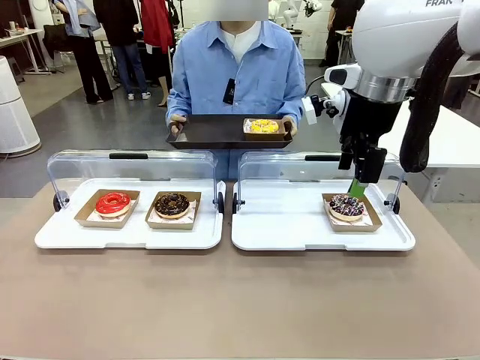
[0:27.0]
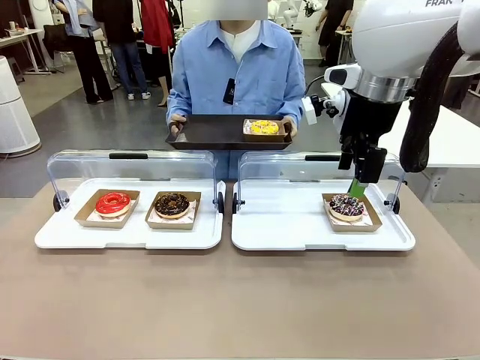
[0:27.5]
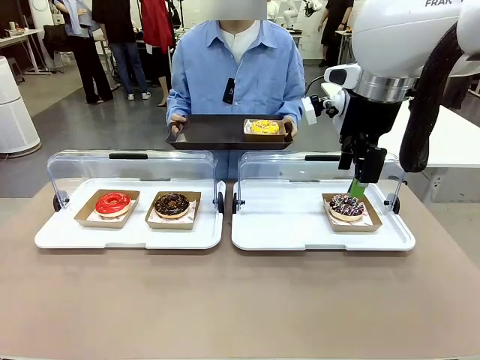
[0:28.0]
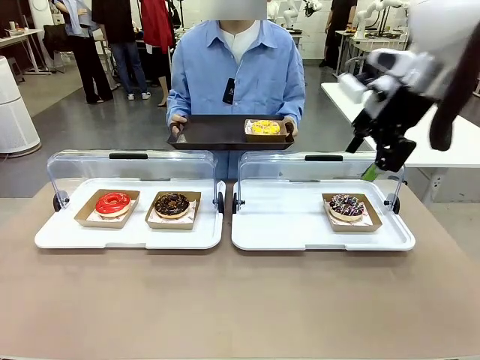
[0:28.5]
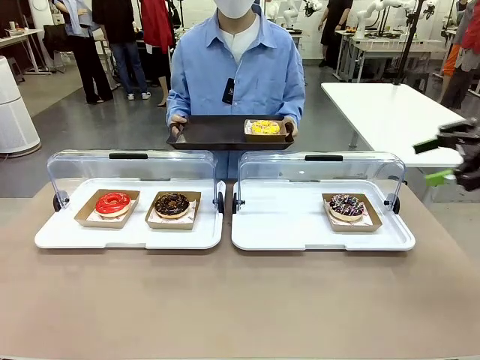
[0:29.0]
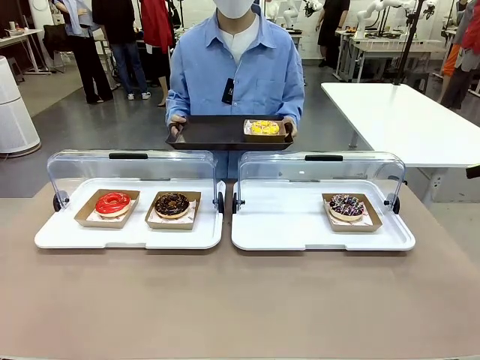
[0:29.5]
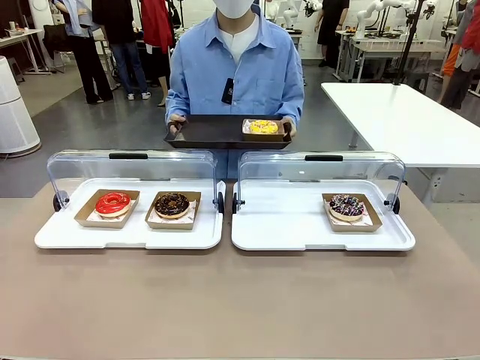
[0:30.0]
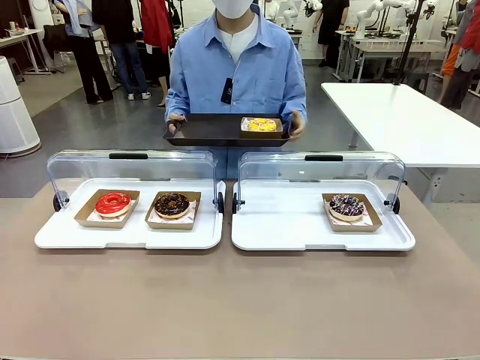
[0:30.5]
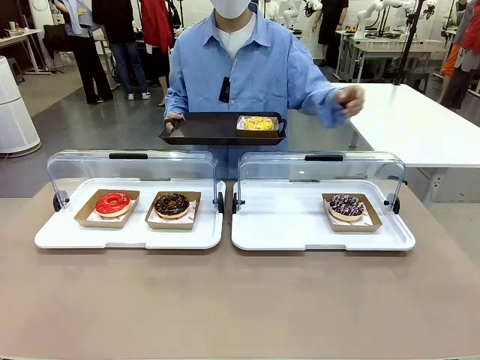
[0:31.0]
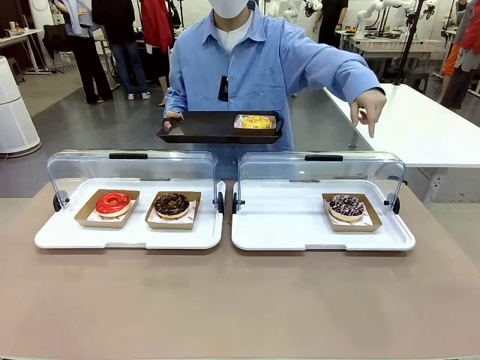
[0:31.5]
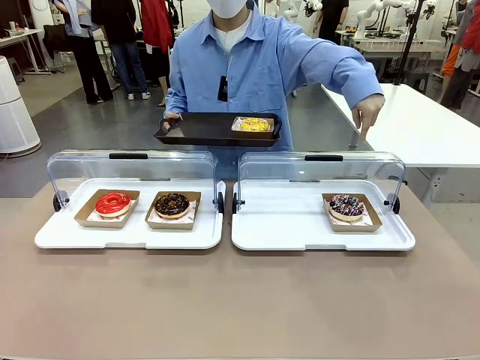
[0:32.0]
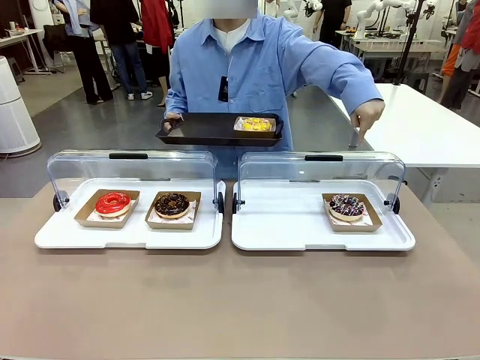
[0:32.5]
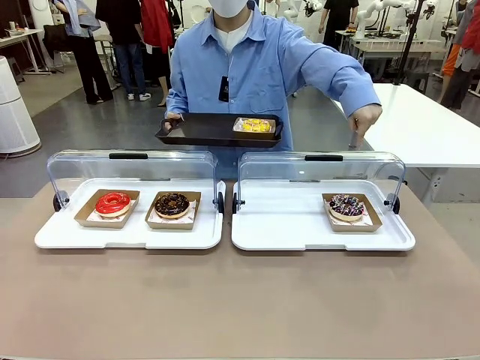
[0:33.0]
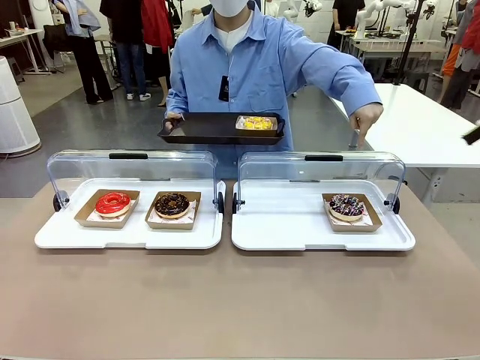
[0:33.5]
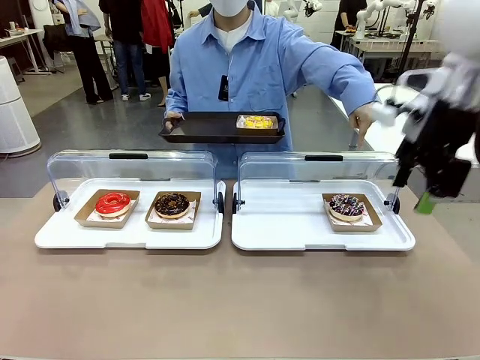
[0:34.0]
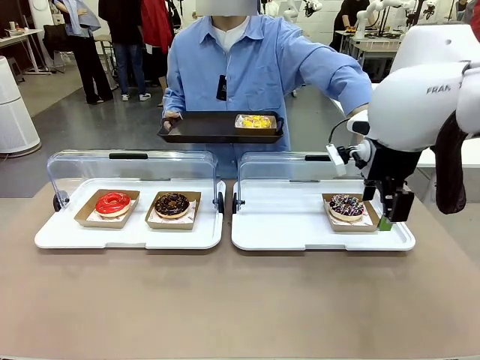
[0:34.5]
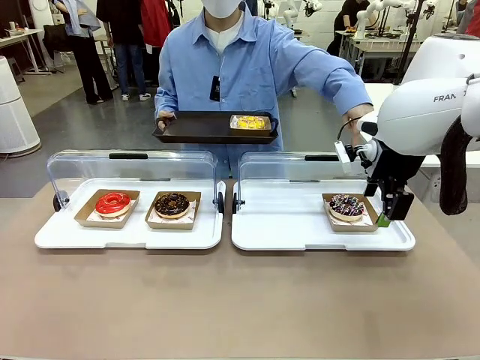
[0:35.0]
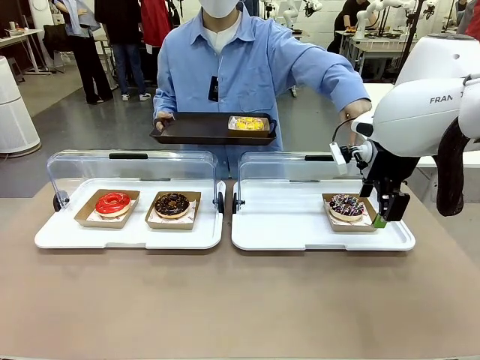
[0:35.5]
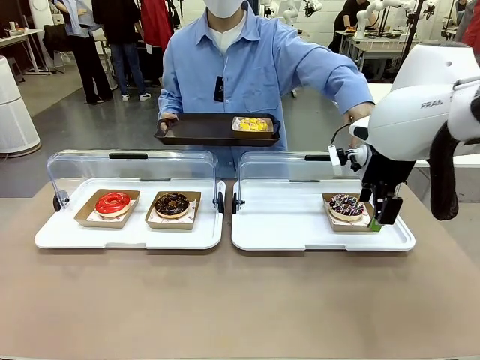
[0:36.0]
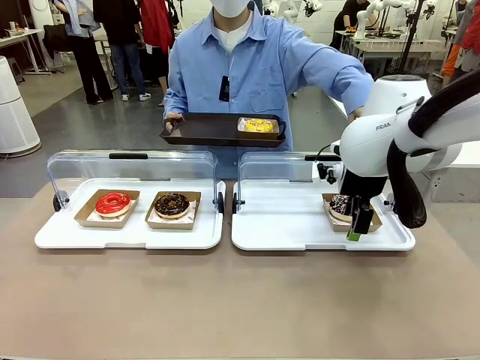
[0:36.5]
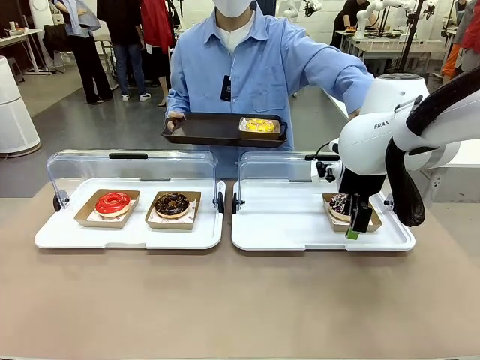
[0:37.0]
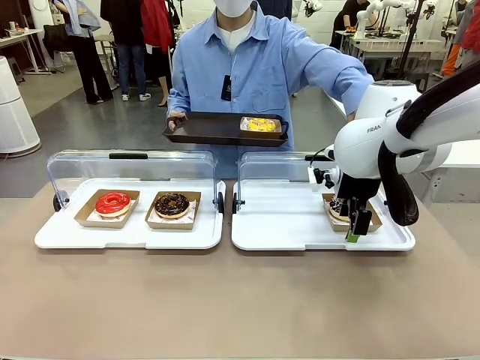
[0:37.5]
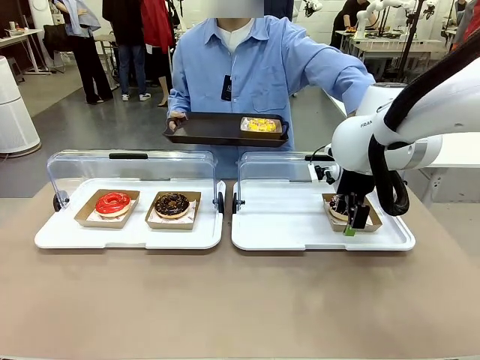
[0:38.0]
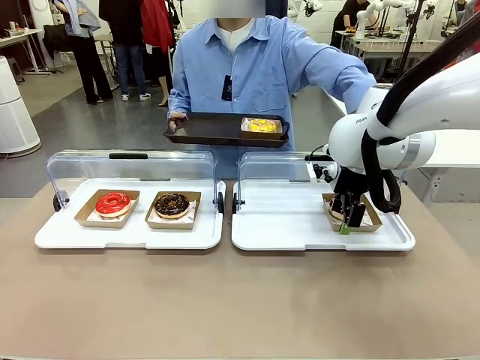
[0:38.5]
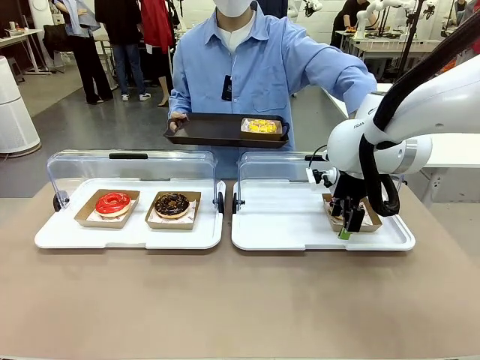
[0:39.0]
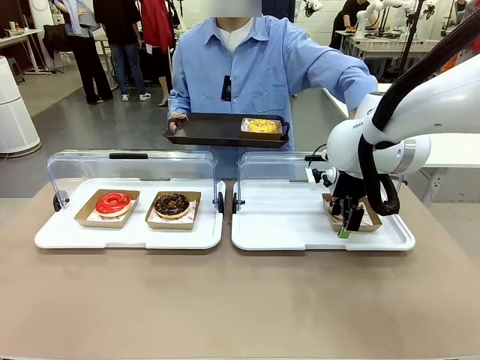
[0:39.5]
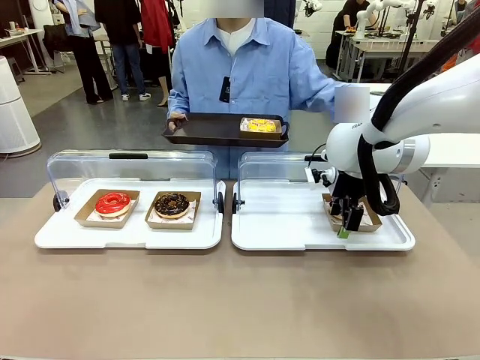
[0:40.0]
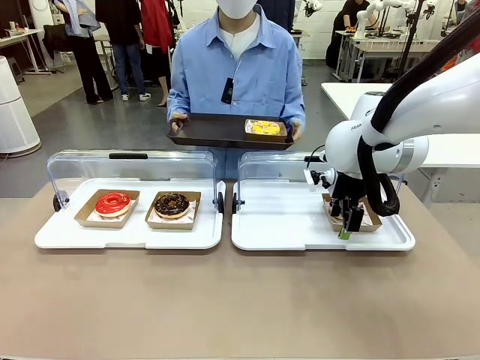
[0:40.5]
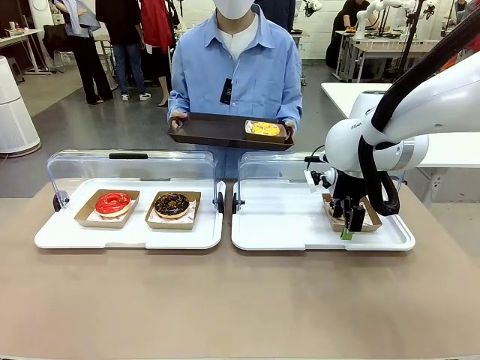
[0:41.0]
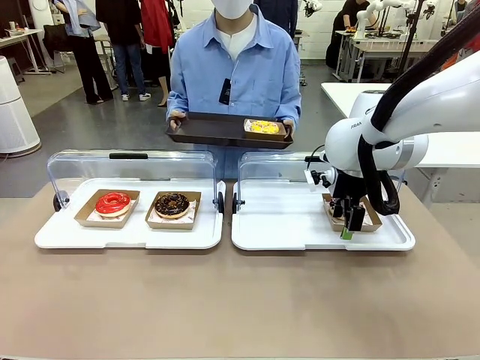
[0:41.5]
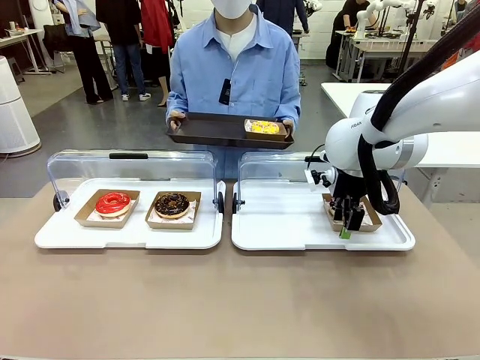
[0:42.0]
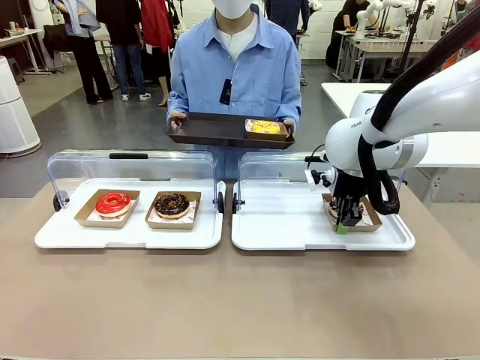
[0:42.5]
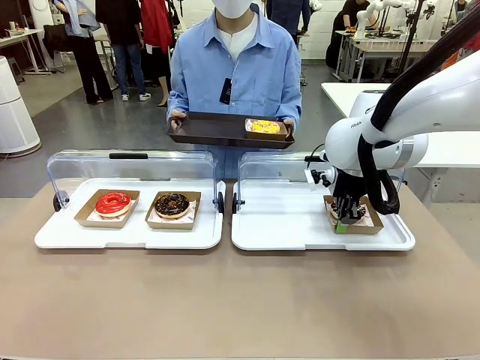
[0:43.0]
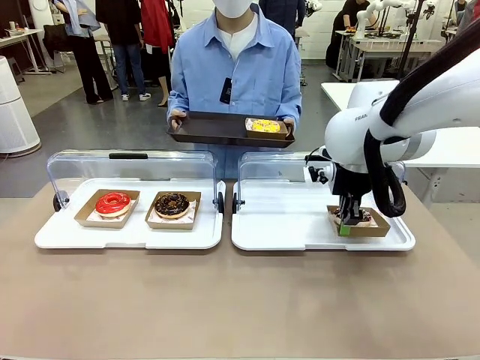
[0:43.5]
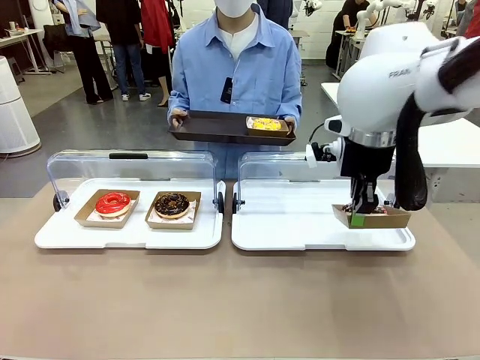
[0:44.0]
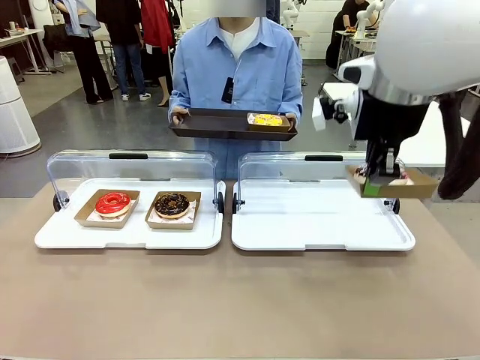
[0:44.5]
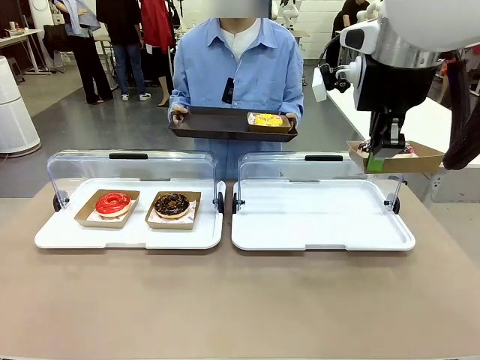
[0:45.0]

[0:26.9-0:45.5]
Task: Provide the desired donut to the person.
Robot: Pick up and lift the Paper togo box containing the Donut pointed at by the person.
Person: Point to one donut. Lift the tray onto the Roll-Top Bakery Case.
